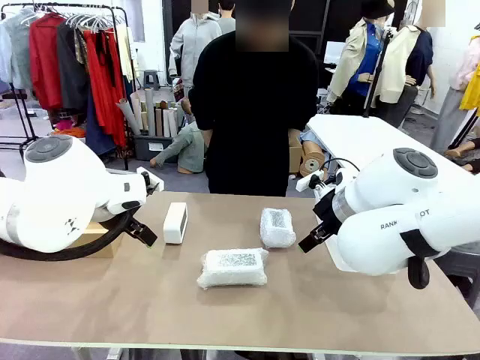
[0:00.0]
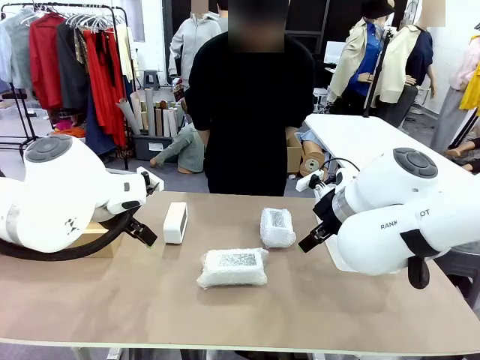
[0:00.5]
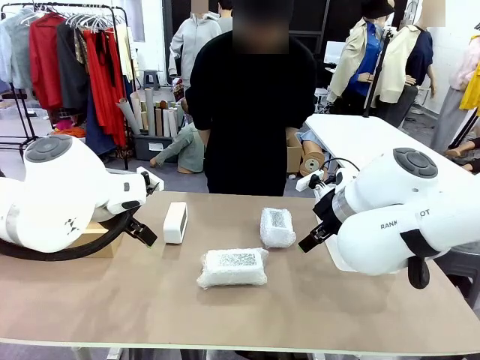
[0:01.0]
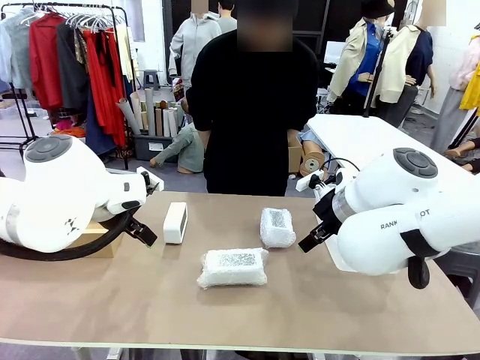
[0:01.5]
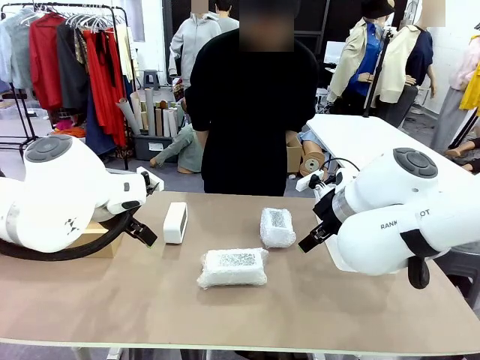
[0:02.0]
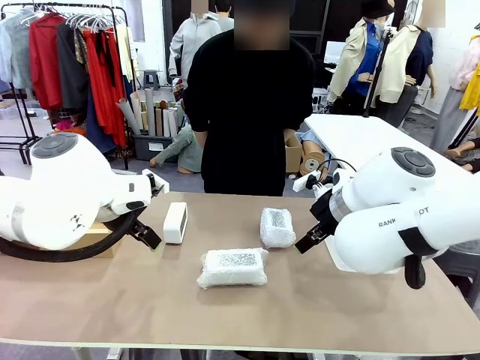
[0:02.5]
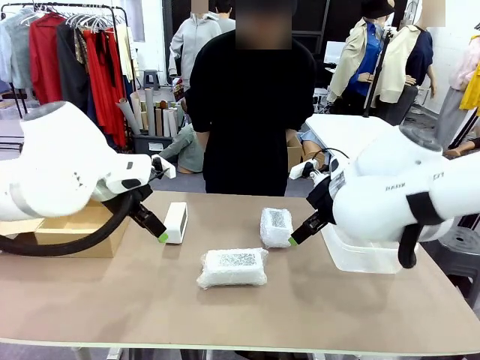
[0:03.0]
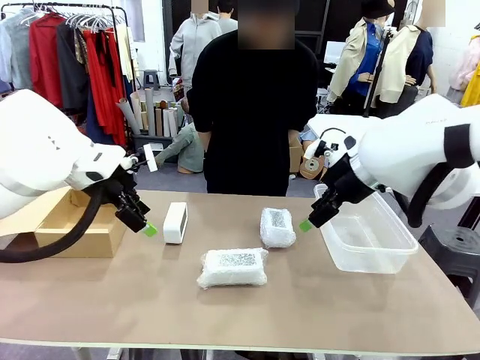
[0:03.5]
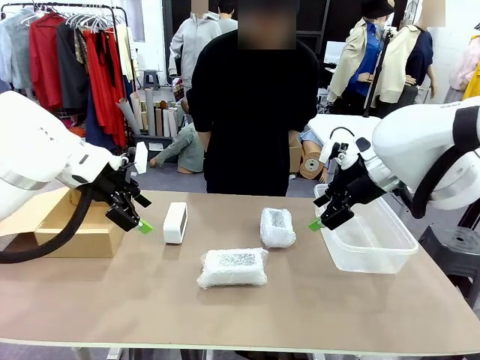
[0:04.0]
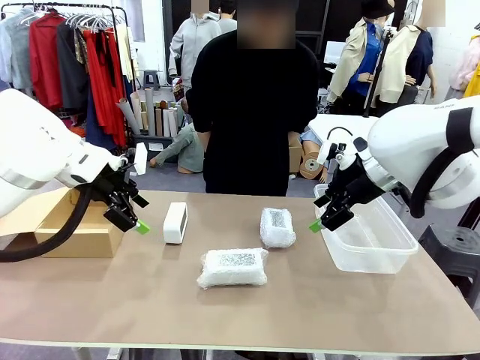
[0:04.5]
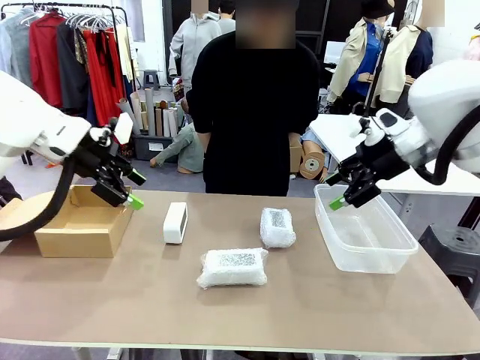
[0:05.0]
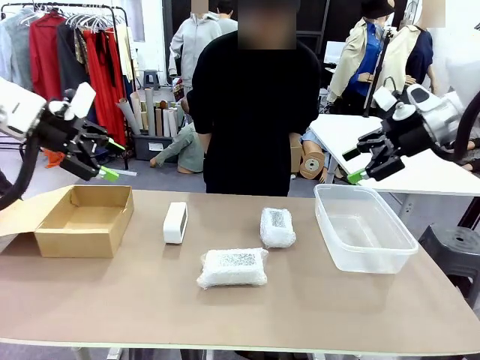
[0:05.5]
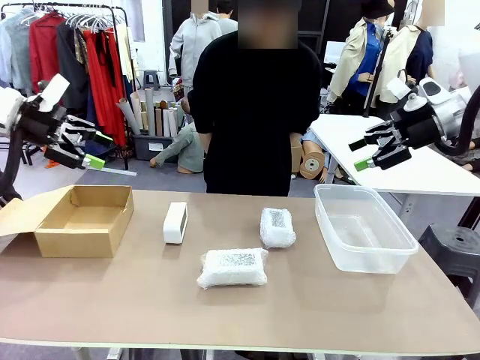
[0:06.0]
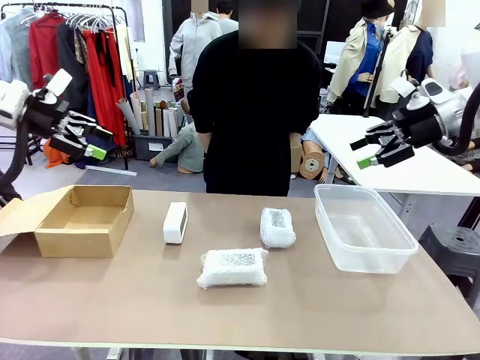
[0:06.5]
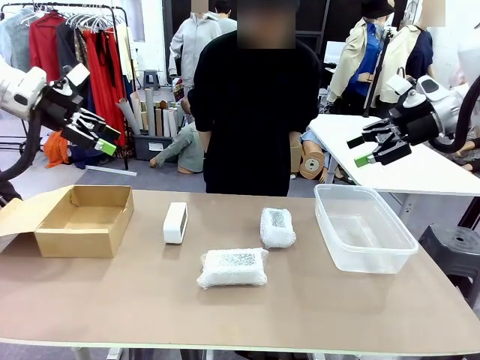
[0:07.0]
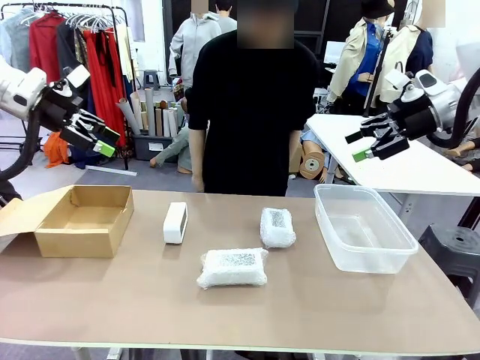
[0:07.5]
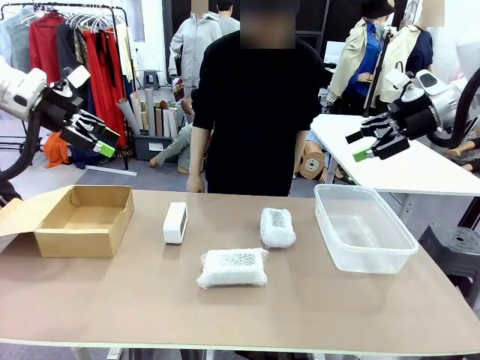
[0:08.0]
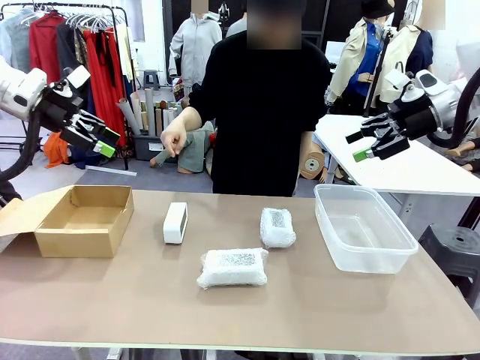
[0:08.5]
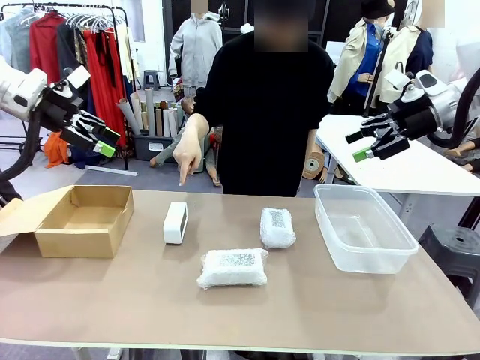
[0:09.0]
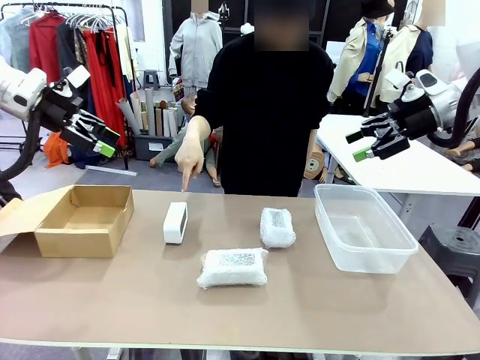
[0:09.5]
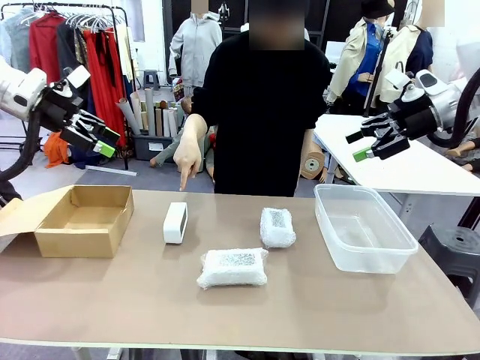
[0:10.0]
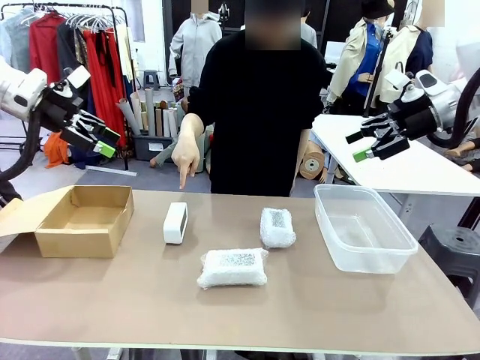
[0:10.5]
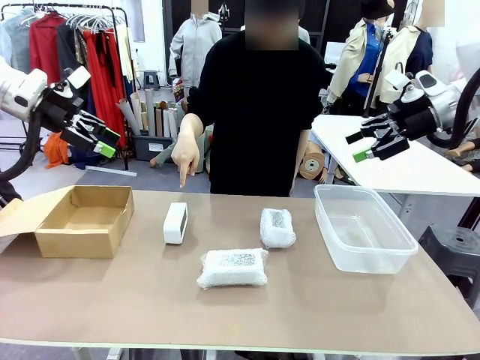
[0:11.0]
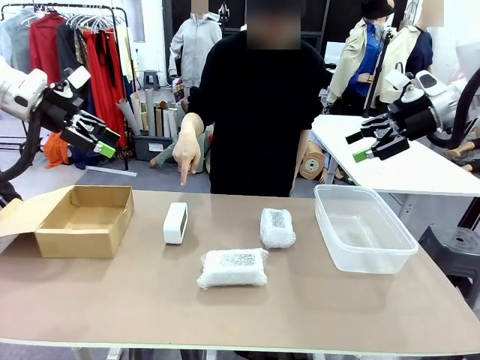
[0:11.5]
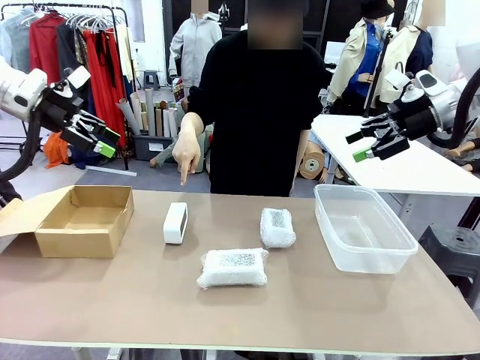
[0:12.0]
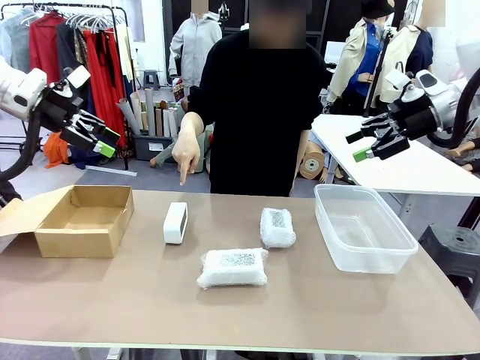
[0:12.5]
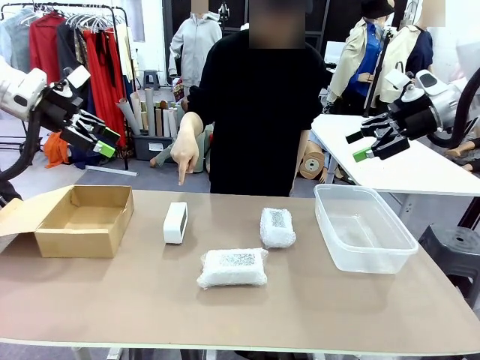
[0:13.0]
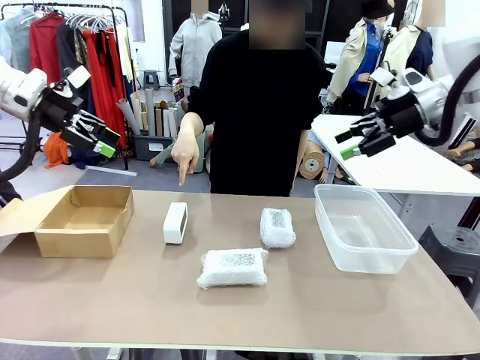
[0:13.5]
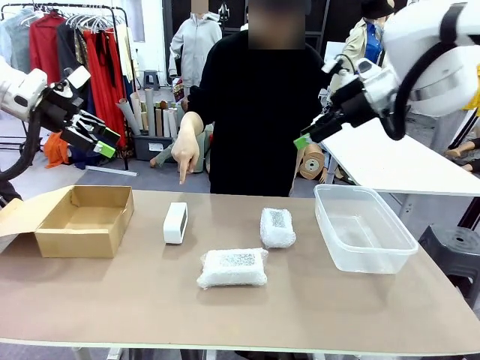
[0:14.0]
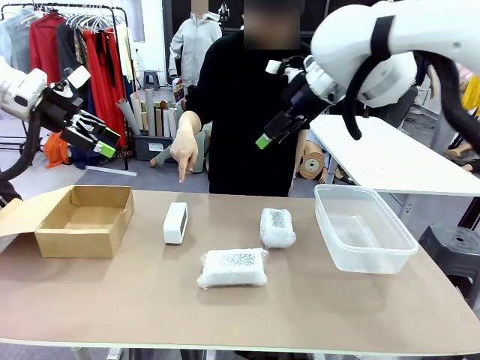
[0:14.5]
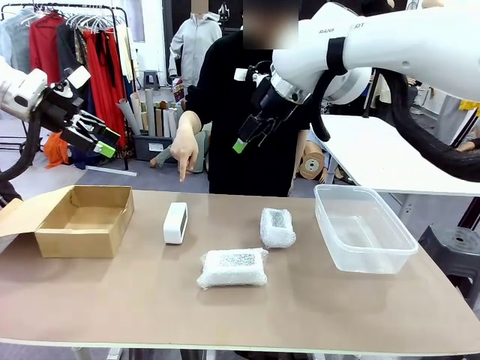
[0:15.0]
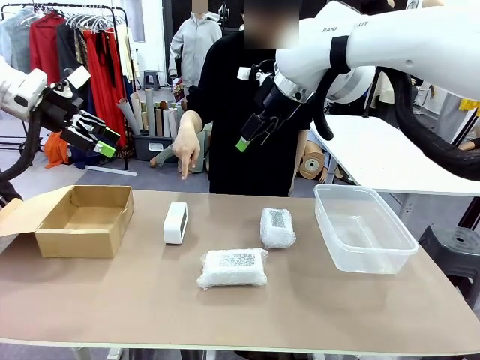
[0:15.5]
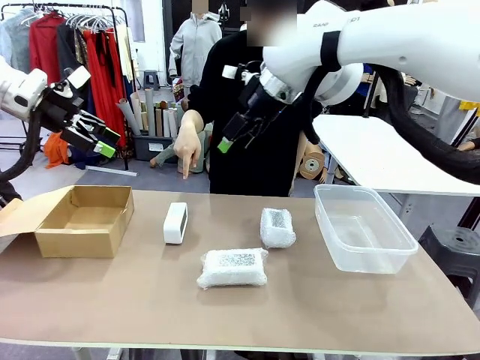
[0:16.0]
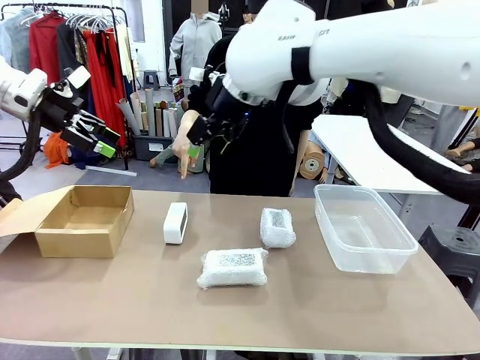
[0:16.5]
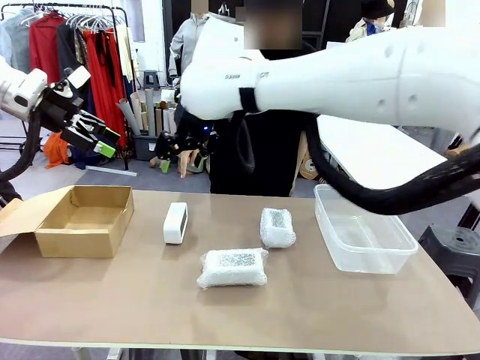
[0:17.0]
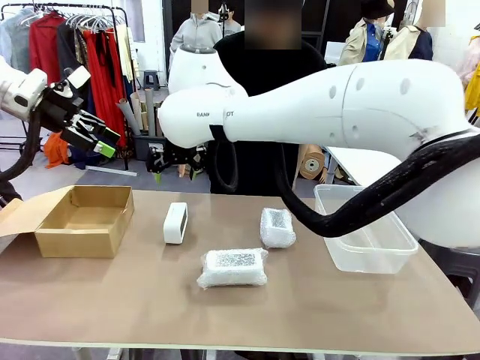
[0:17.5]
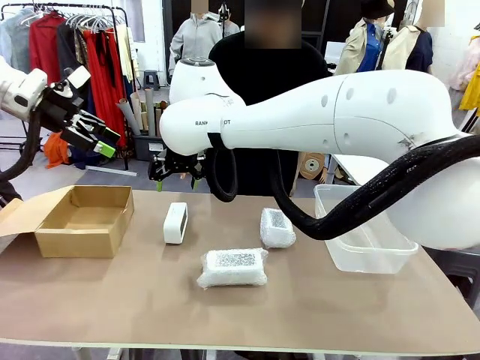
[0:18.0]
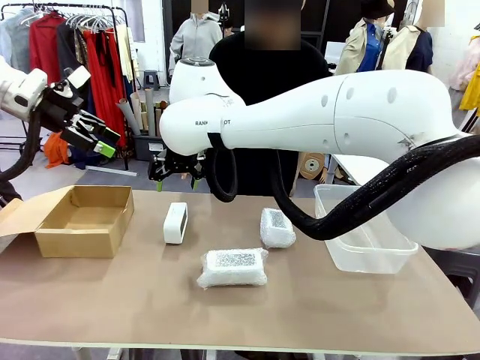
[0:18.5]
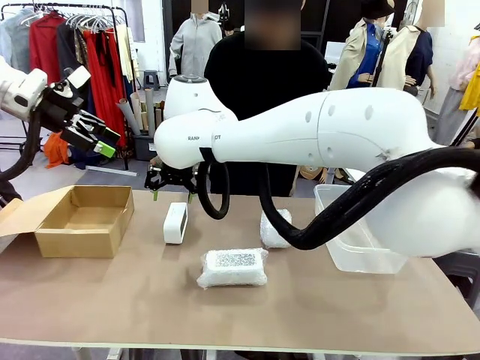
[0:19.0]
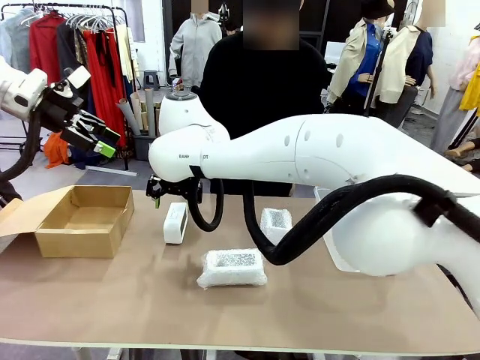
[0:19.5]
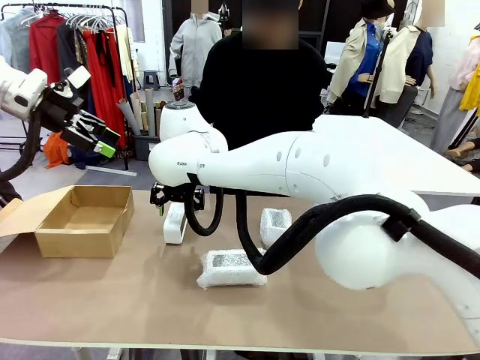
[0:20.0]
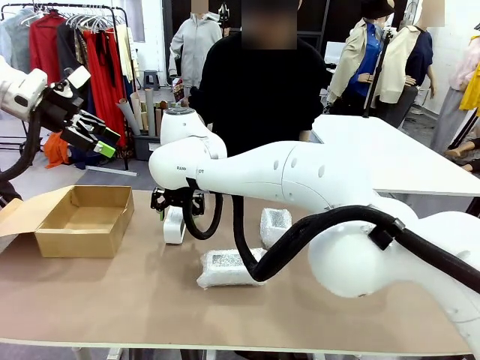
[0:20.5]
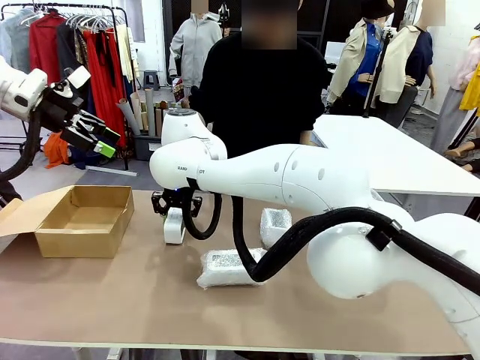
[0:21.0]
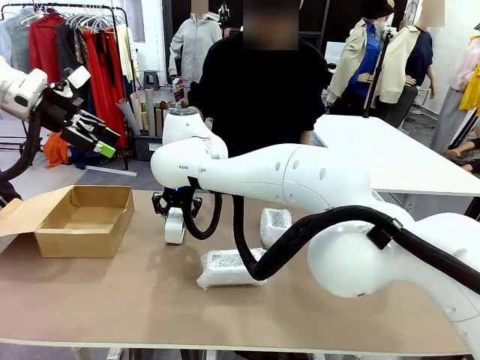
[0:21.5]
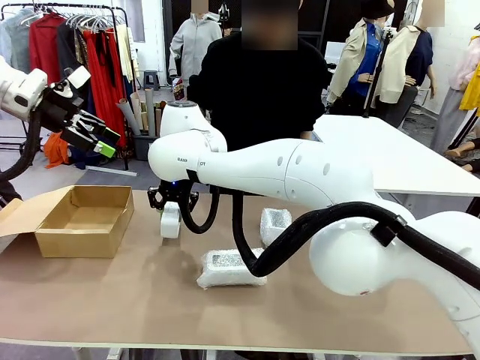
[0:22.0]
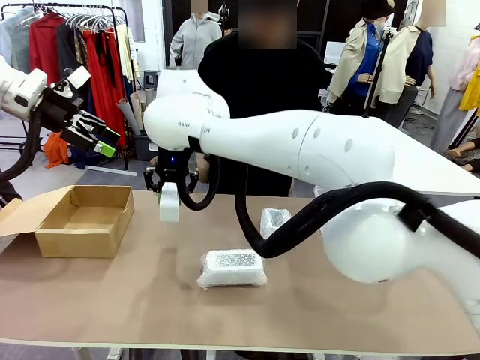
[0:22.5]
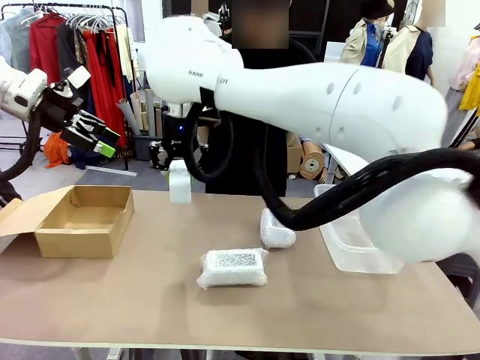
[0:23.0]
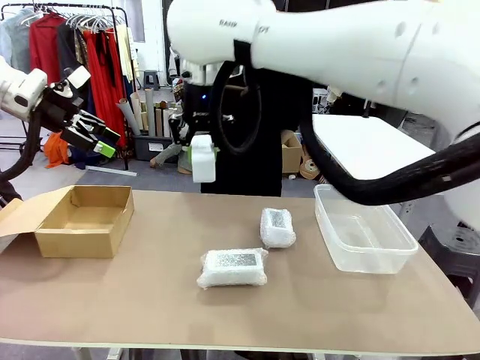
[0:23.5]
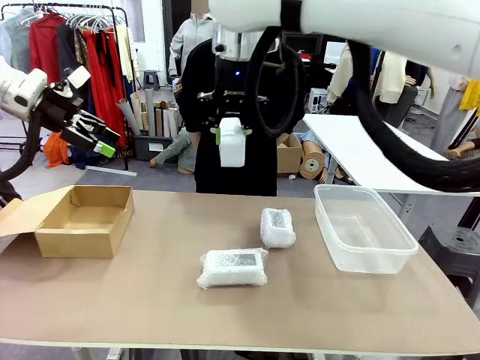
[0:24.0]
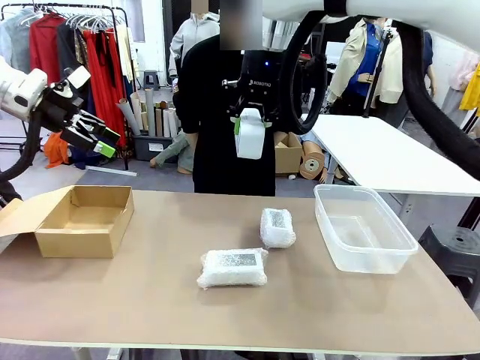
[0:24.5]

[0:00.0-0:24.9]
Task: Separate and place wrapped and unwrapped clocks.
Robot: Pick up the Digital clock indicated by the person.
